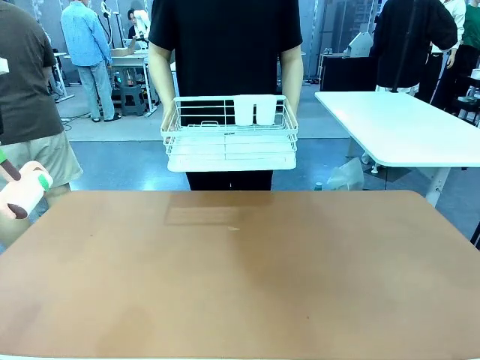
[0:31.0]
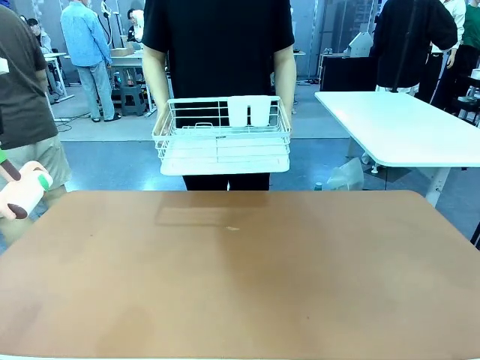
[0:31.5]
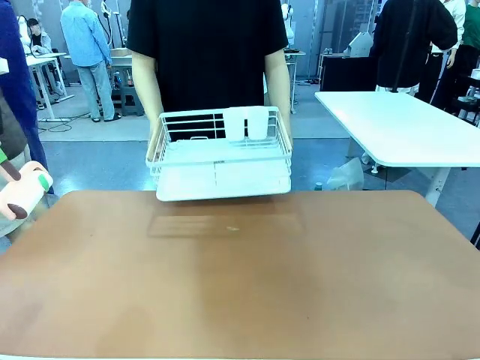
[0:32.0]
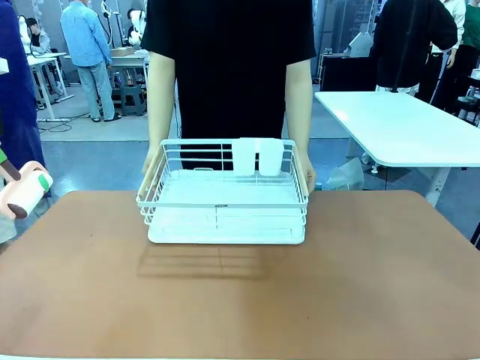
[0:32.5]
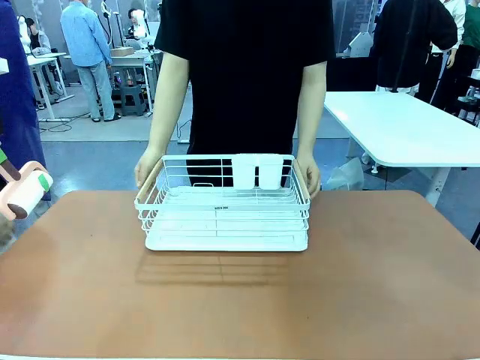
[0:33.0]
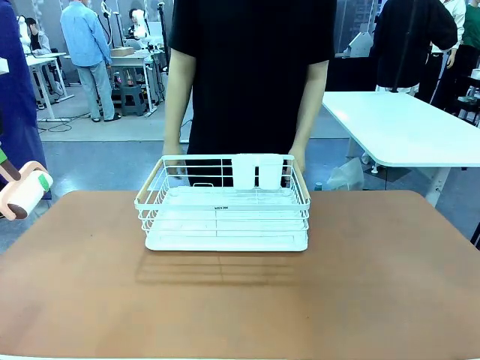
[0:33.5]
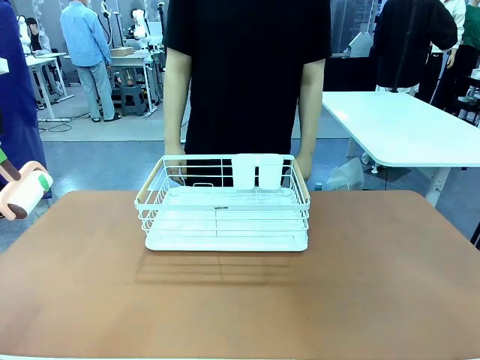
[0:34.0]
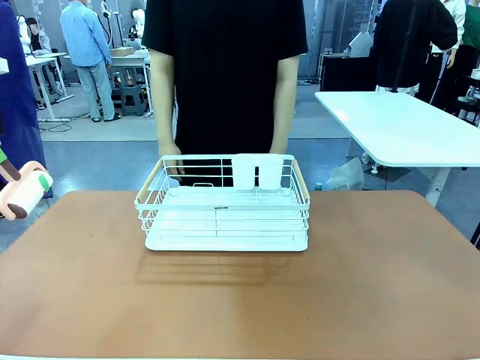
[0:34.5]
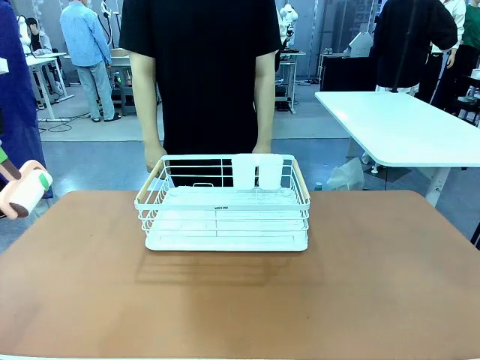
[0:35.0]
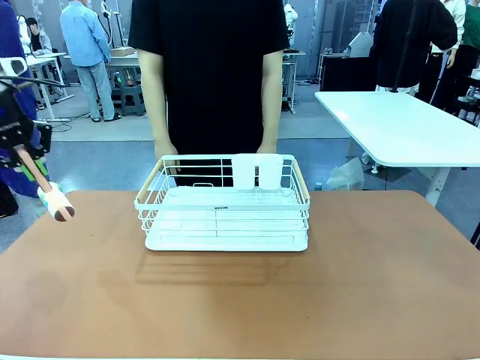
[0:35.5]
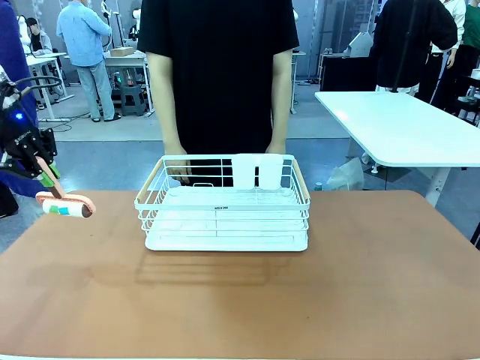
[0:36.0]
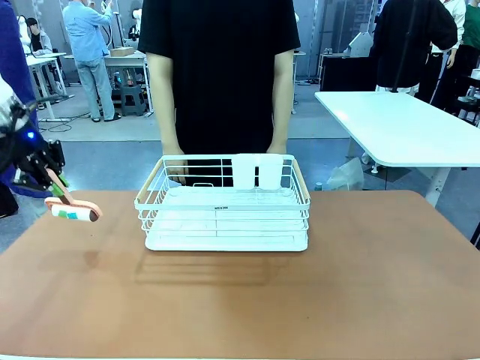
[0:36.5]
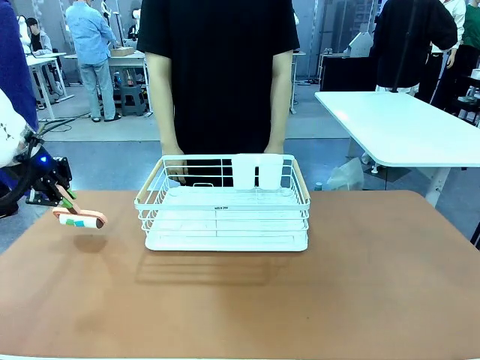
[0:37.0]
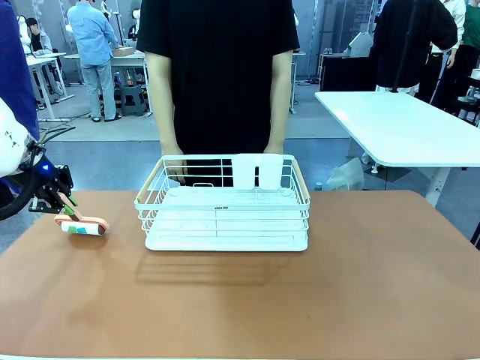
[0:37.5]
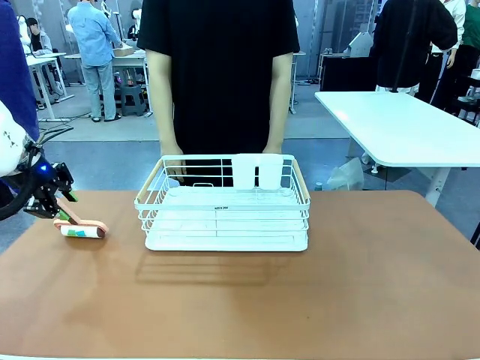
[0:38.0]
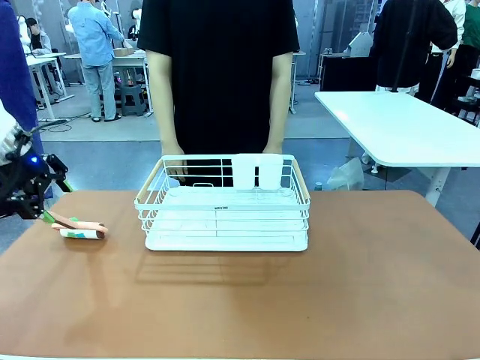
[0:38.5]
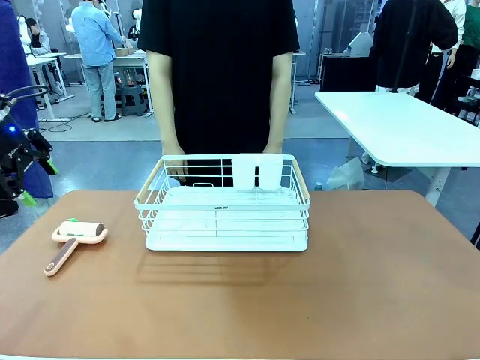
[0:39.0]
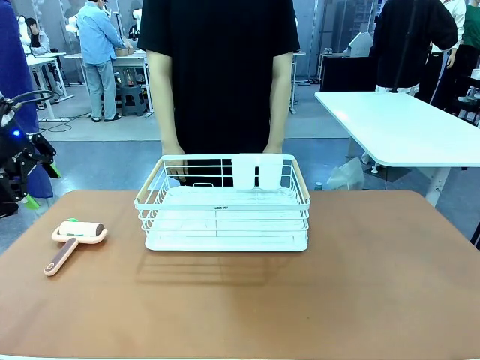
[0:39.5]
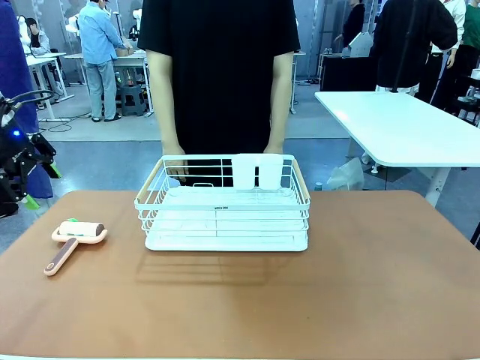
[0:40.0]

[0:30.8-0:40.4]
Task: Clean the table.
Robot: Place the Lint Roller down when the Dish drying rack is positioned in the middle of the table.

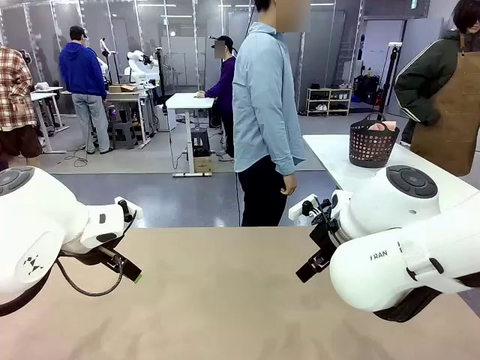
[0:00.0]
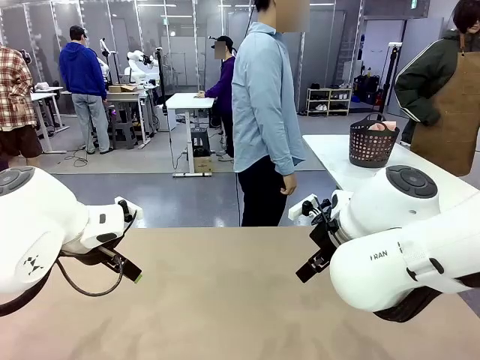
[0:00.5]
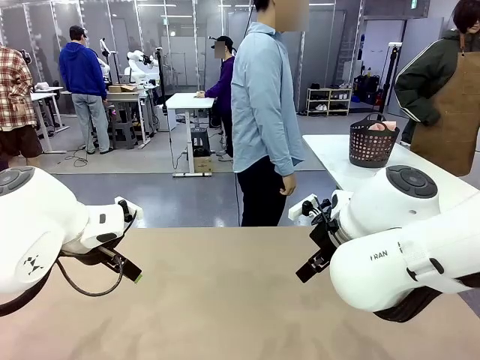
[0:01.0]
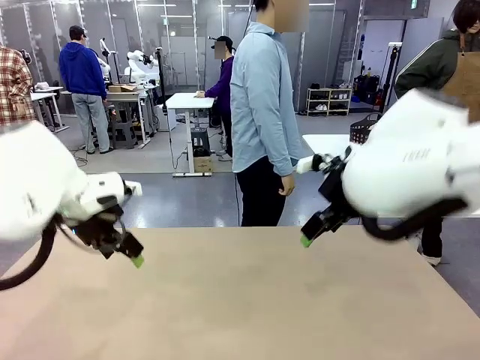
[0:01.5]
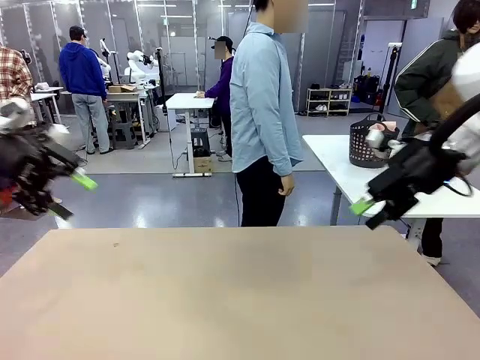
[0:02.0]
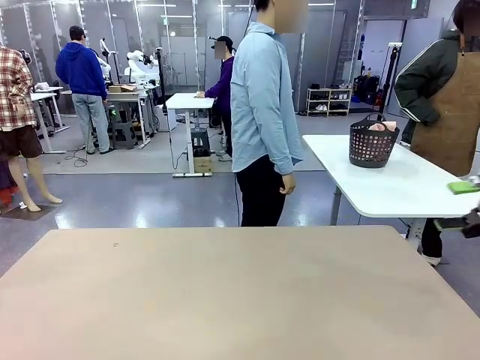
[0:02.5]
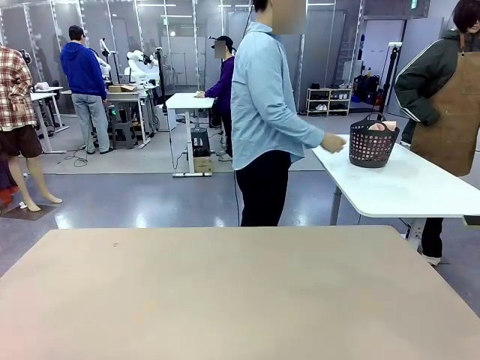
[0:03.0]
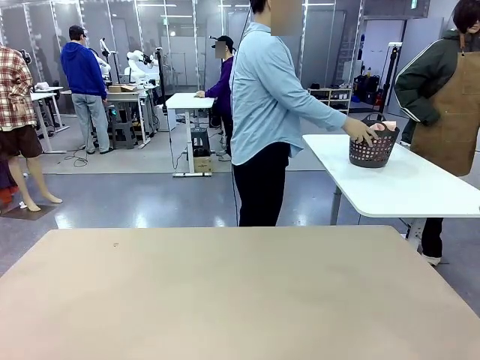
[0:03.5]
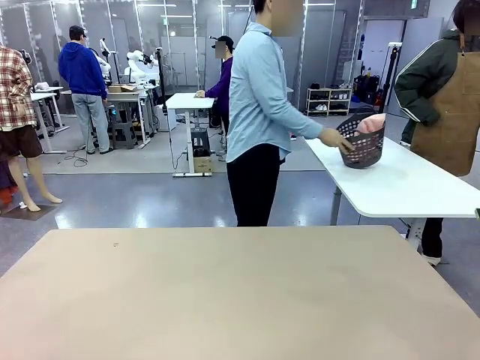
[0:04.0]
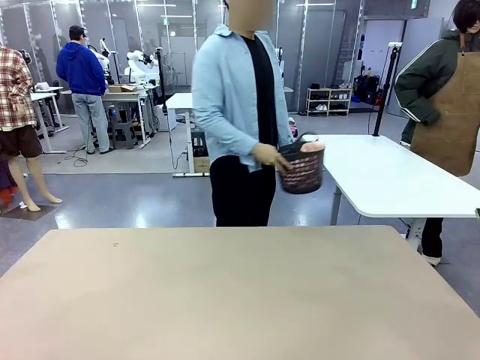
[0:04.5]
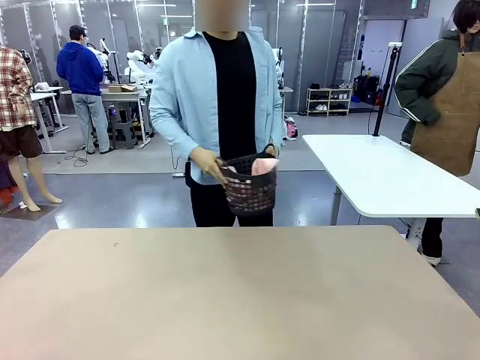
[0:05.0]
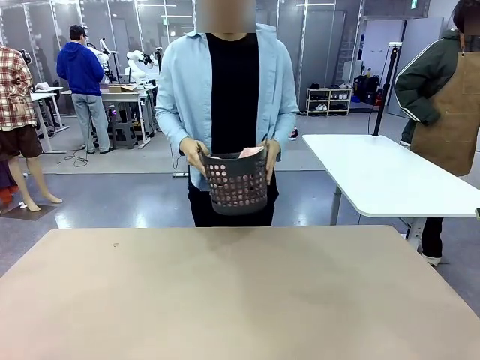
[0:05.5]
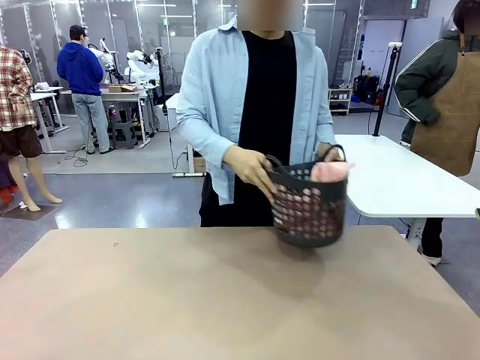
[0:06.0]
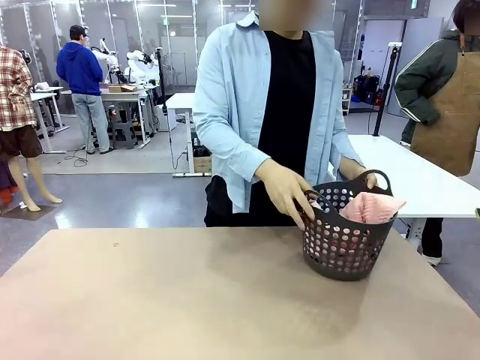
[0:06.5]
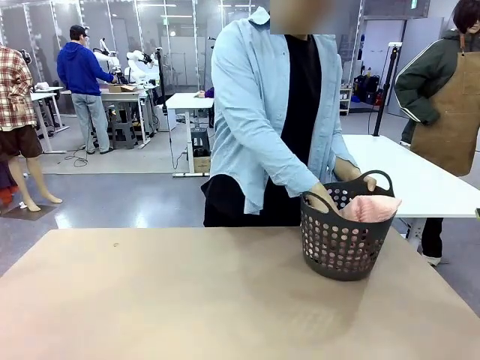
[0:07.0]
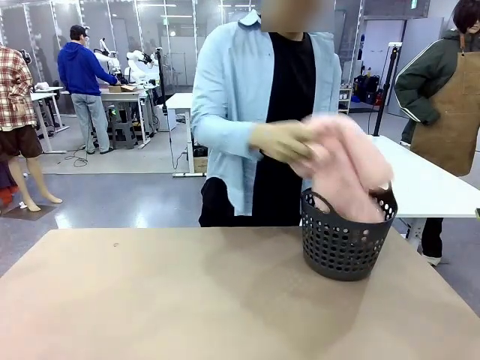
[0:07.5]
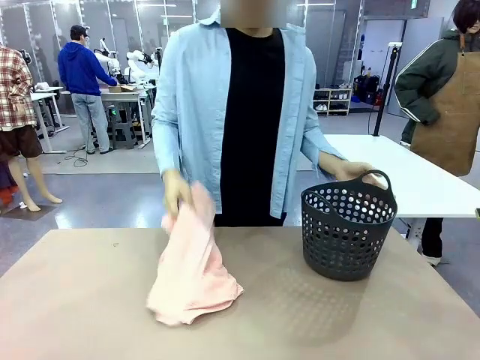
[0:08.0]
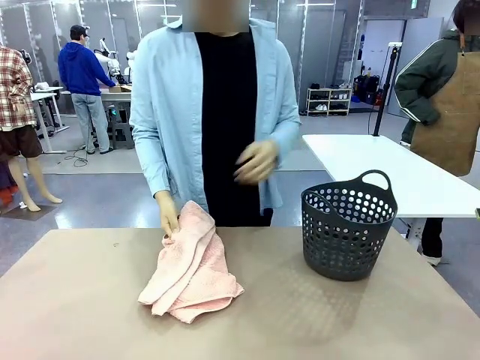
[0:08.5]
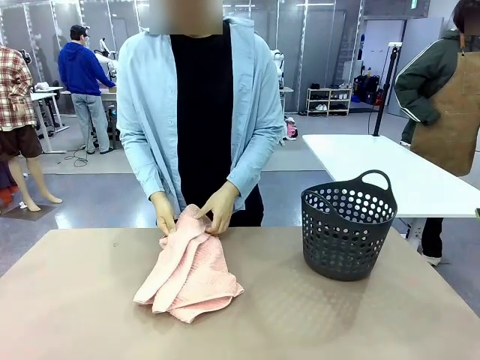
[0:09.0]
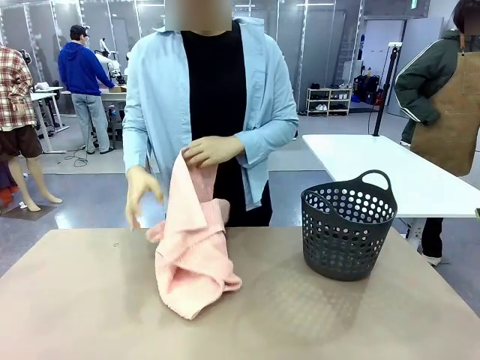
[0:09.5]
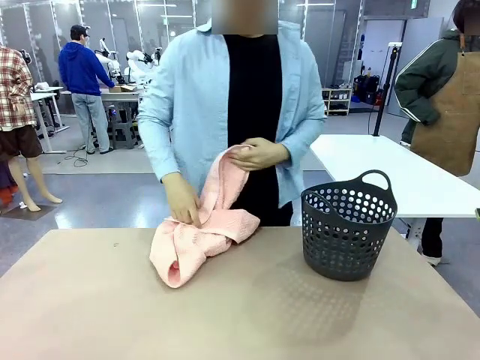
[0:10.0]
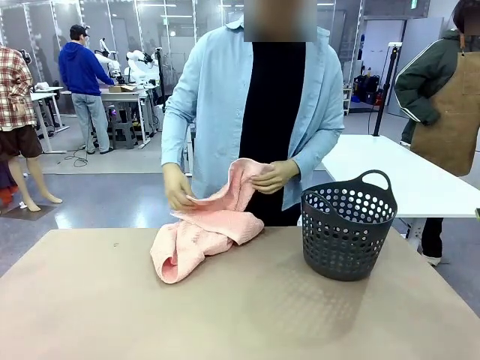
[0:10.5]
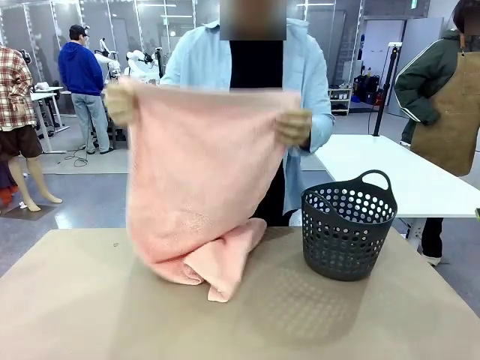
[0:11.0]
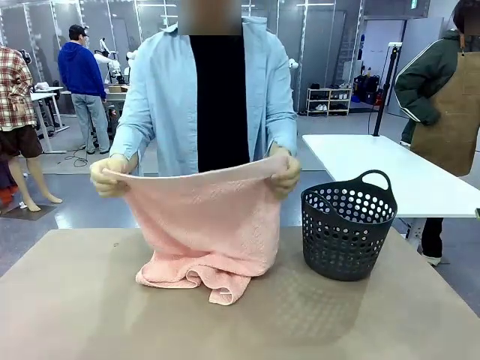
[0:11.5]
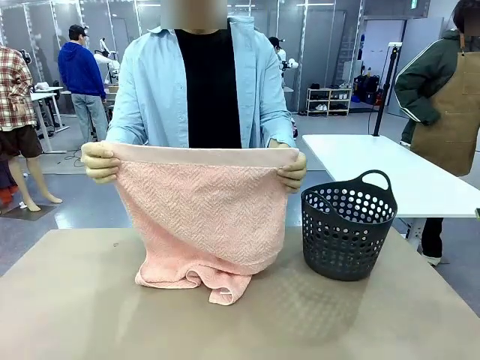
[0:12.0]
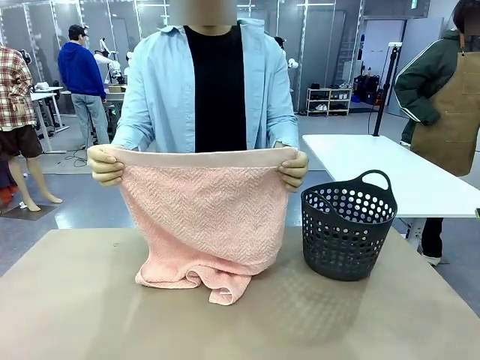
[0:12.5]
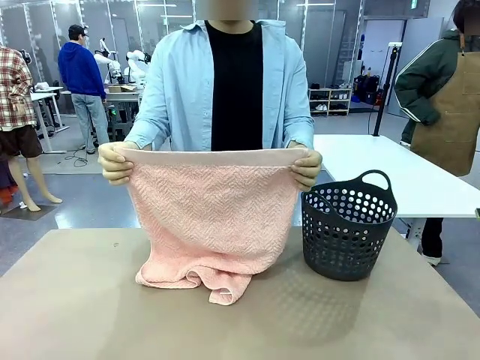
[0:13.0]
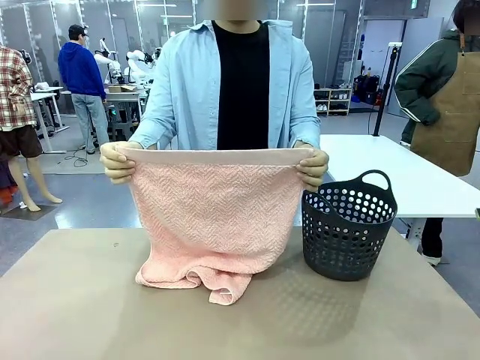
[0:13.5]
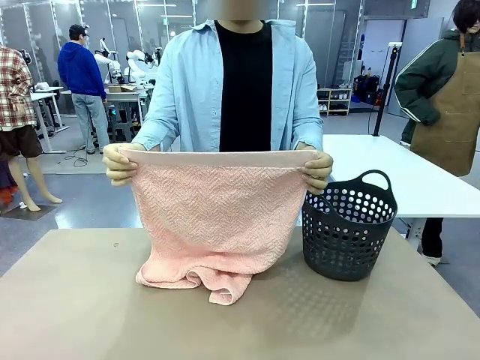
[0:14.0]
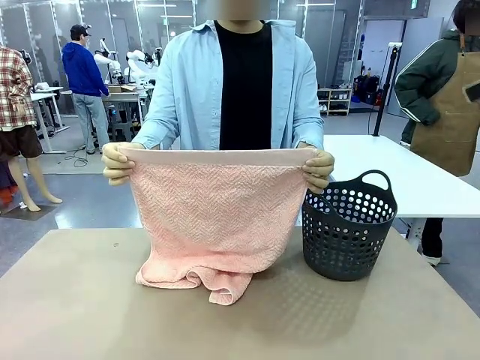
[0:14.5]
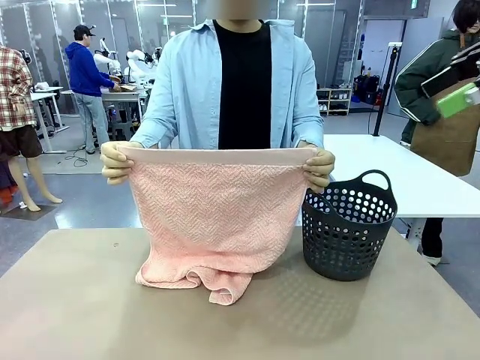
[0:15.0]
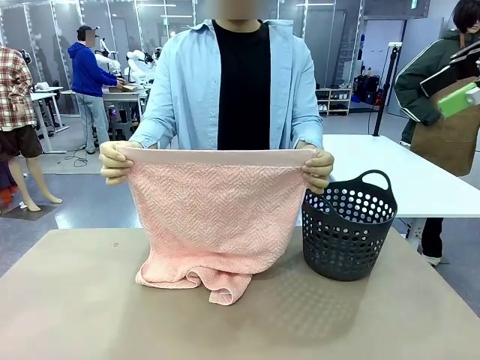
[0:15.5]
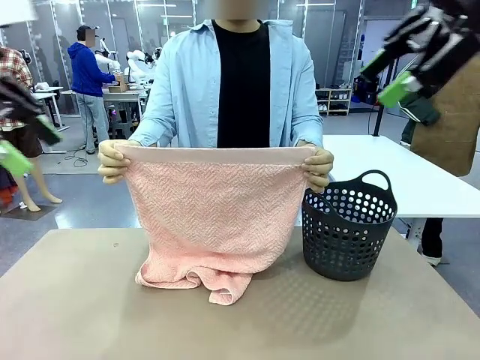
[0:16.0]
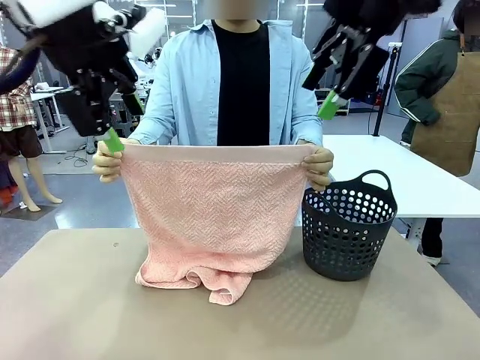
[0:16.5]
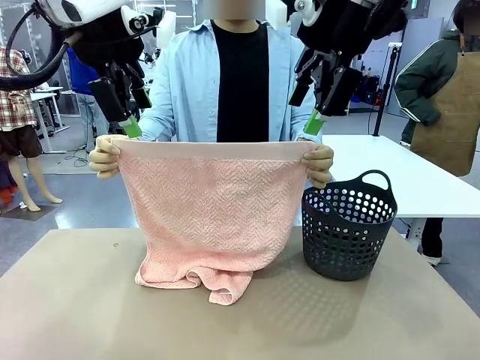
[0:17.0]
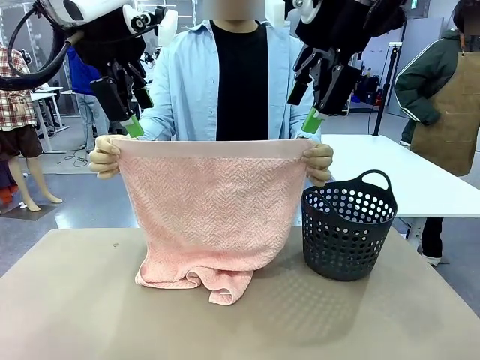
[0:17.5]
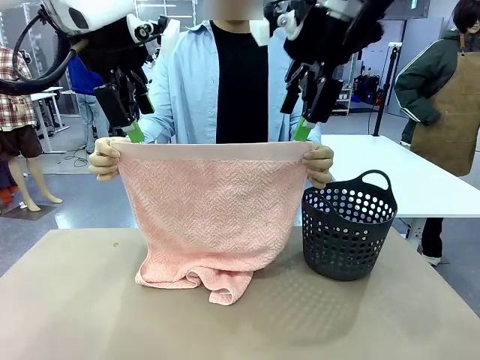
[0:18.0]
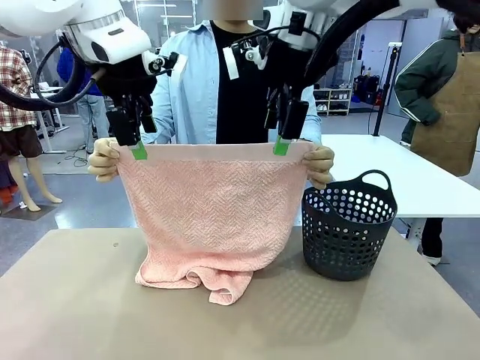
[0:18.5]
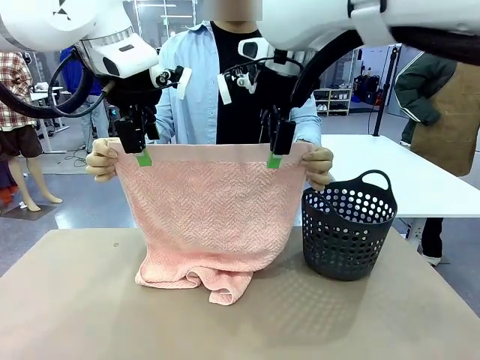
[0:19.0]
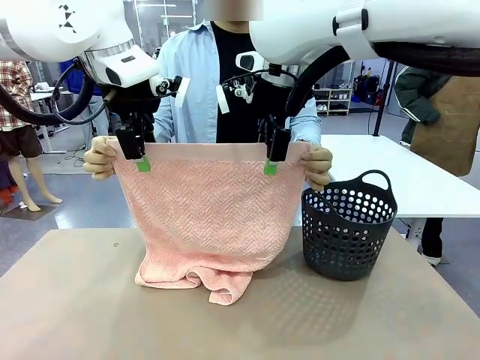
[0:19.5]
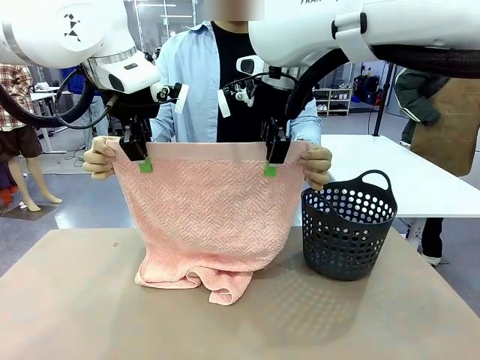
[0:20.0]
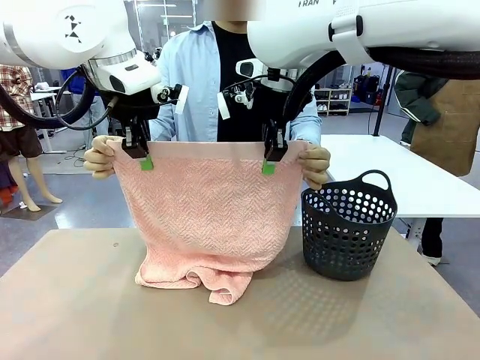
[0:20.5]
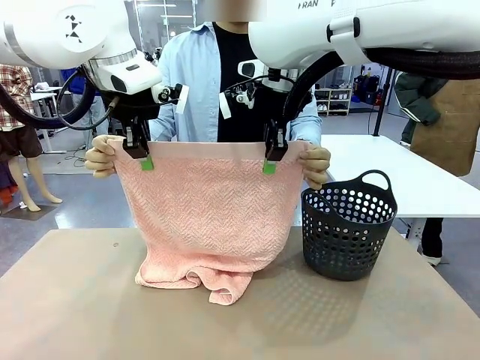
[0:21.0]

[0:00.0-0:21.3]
Task: Fold the towel.
Robot: Grab the top end of the 100 cm Hotel Towel extended by the human.
Person: Pick up the laundry basket, place it on the left side of the robot table, then take out a towel and hand it to the robot while holding both corners of one end.
